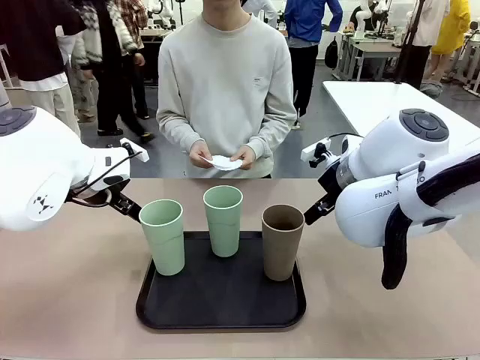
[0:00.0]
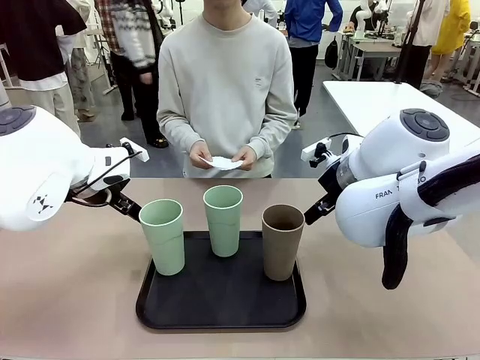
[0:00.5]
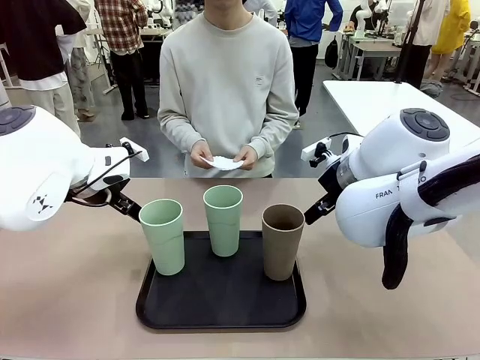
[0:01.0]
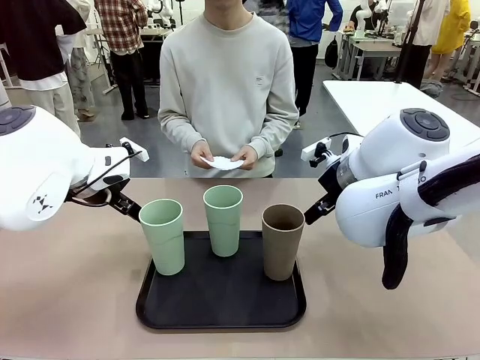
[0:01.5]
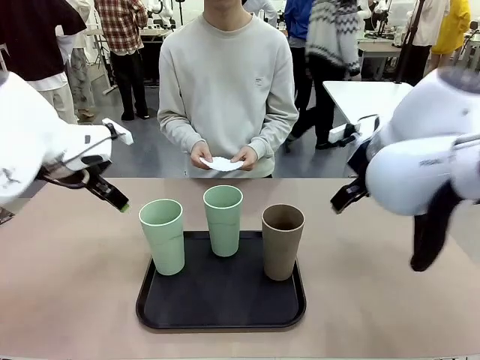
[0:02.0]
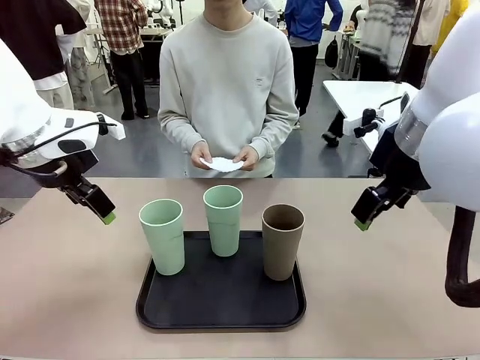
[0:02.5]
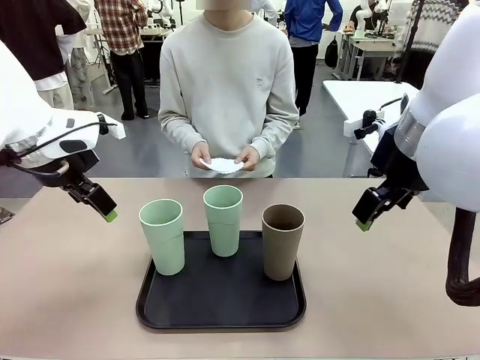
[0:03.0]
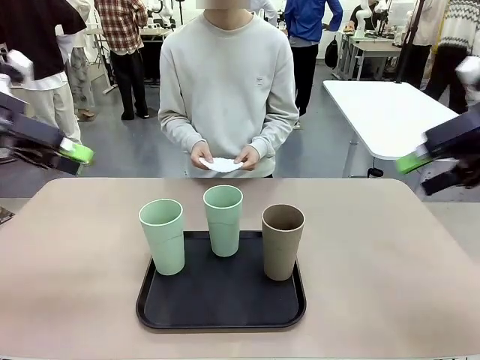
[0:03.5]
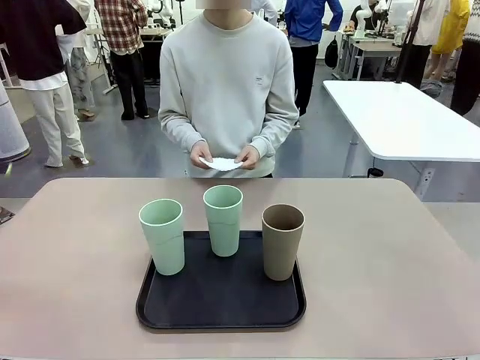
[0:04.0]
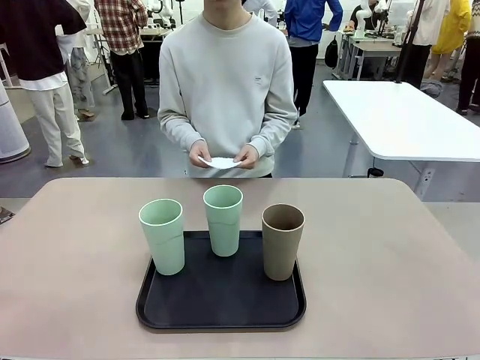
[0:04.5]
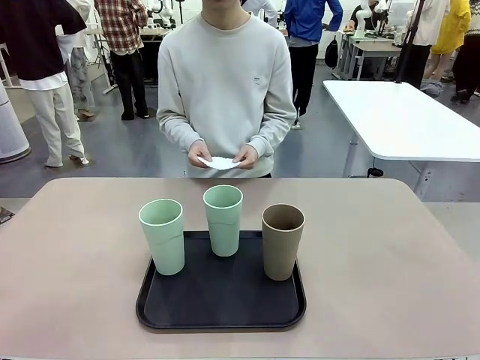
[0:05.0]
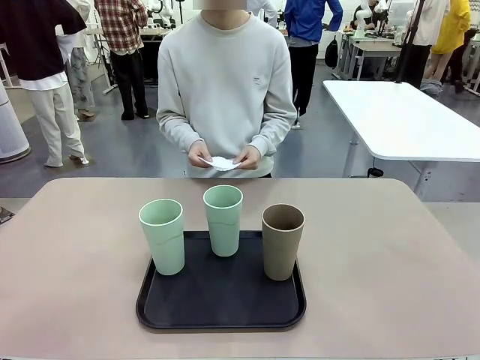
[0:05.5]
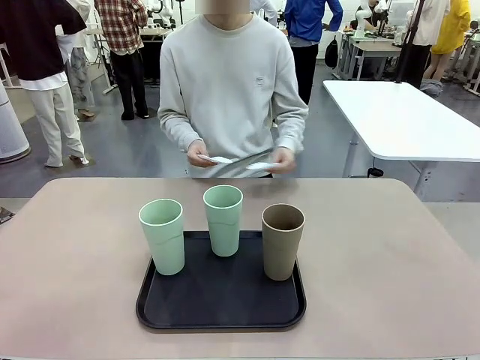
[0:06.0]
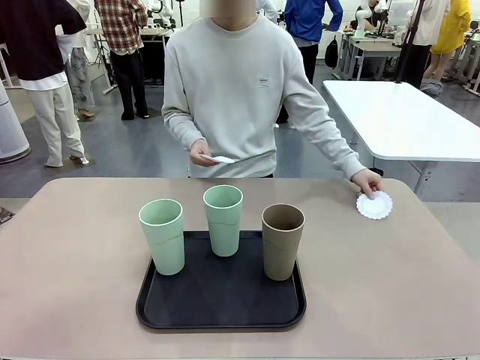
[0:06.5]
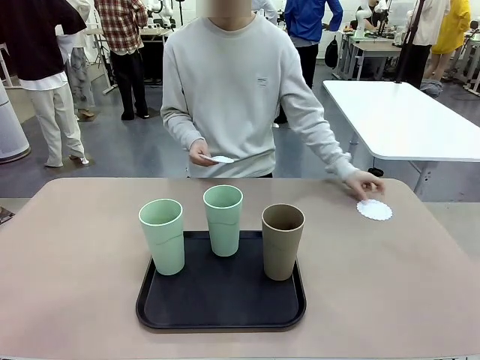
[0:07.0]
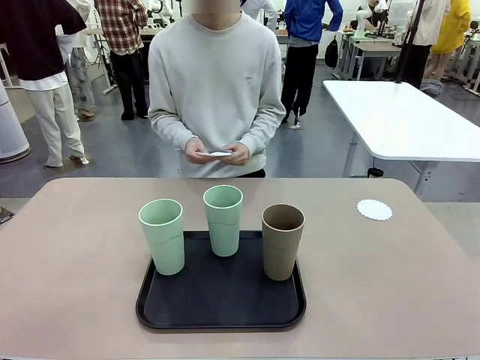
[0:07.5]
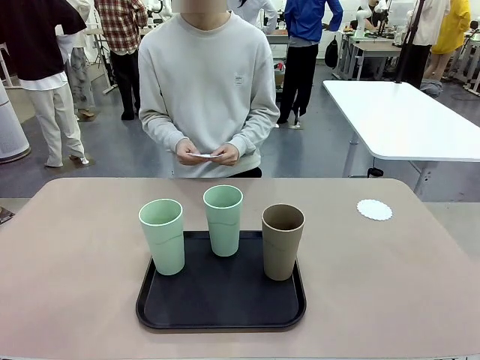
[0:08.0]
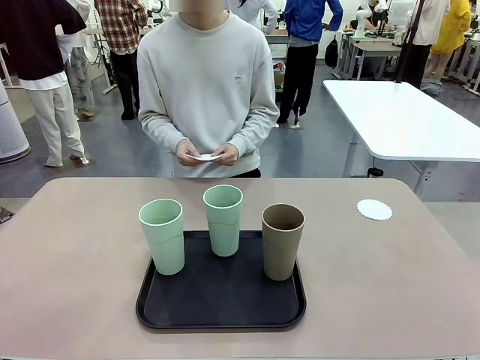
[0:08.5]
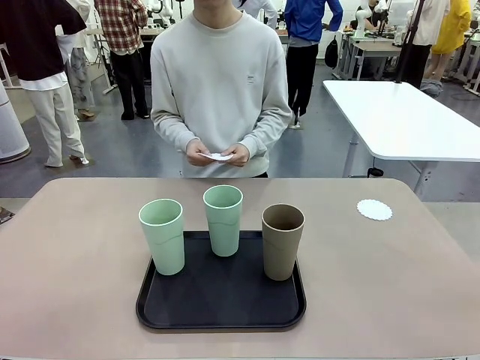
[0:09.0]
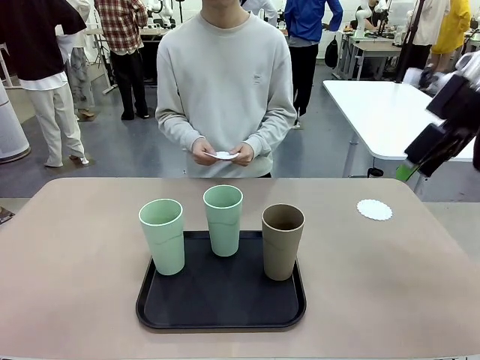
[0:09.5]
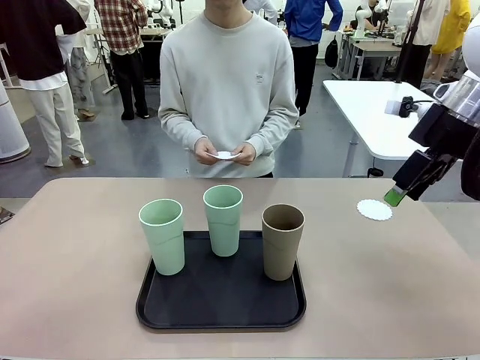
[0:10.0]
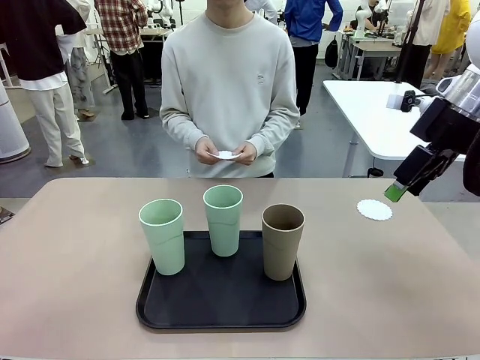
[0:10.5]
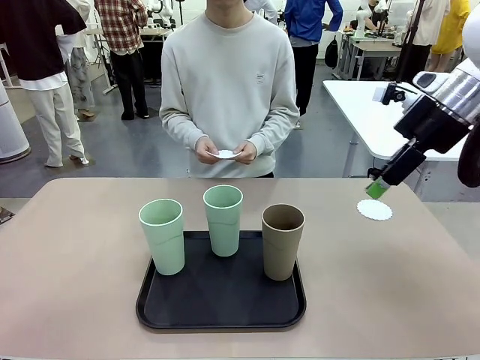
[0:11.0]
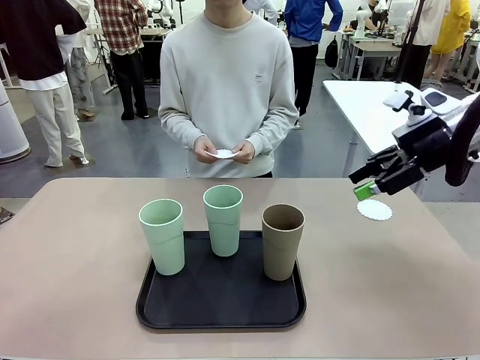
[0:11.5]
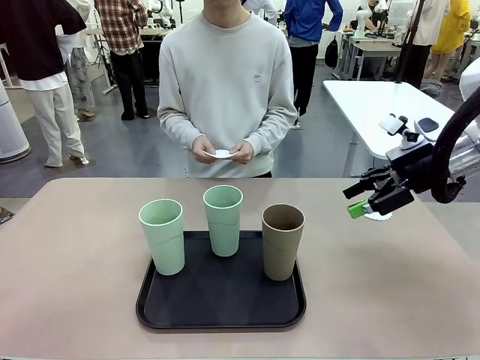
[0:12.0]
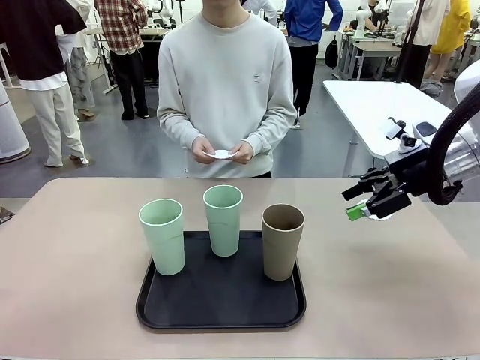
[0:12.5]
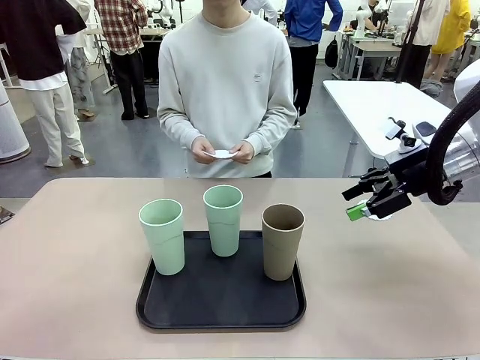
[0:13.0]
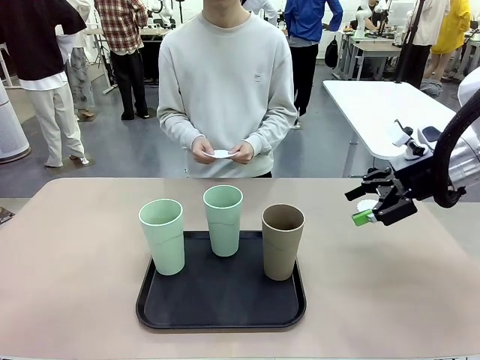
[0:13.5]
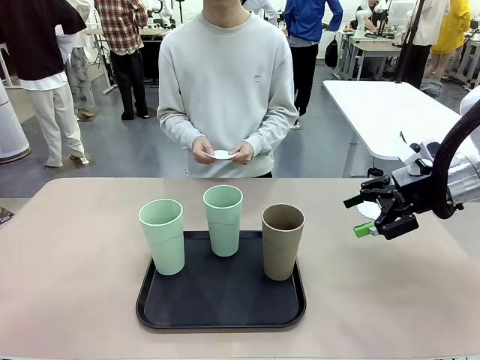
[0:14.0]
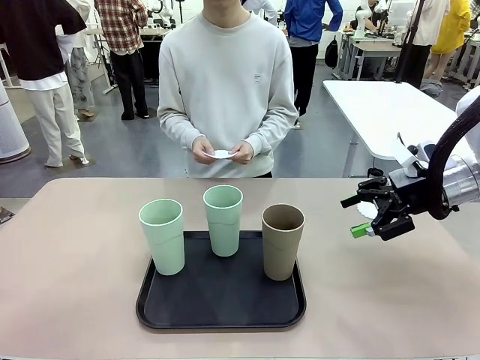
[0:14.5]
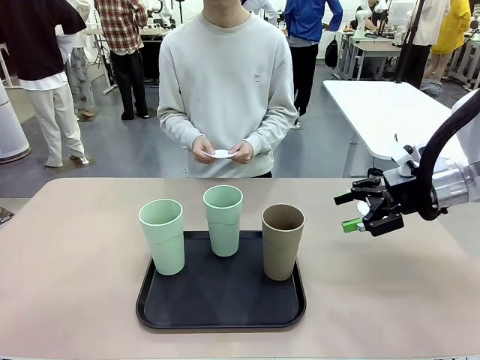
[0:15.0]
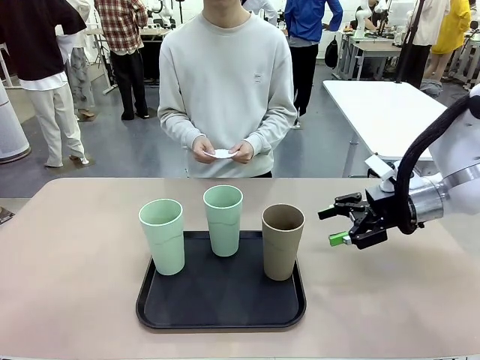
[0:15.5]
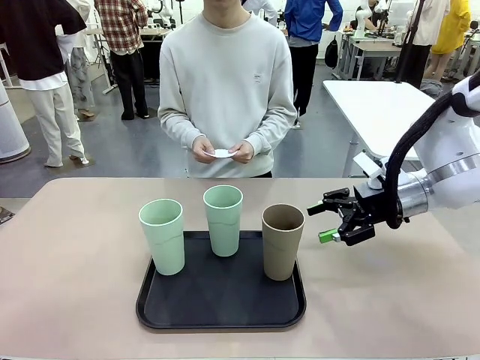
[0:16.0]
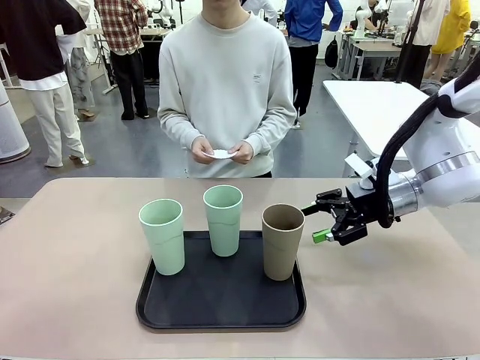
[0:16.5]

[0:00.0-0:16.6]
Task: Place coasters on the table and set cups on them.
Robot: Pick up one Reusable plastic cup and place it on a coaster set by the human.
Person: Place one coaster in any one of the three lower areas of the robot table (left, center, or right).

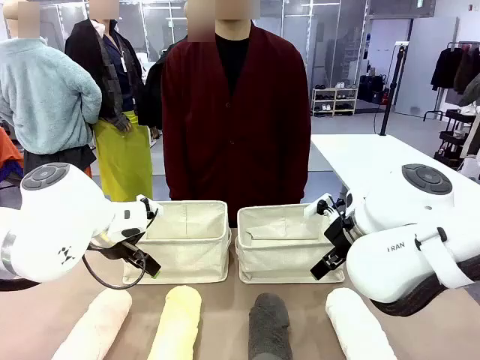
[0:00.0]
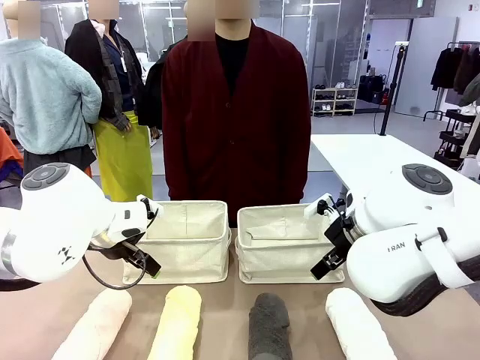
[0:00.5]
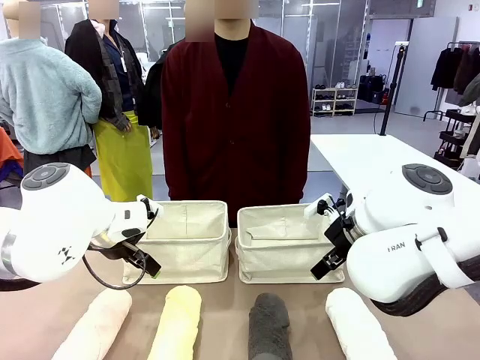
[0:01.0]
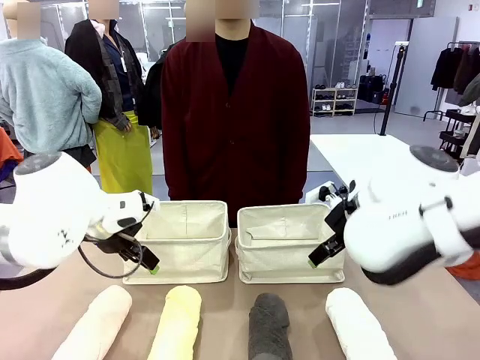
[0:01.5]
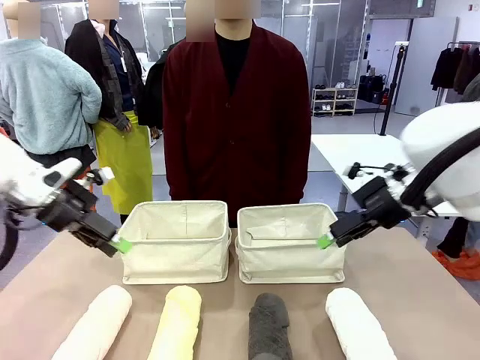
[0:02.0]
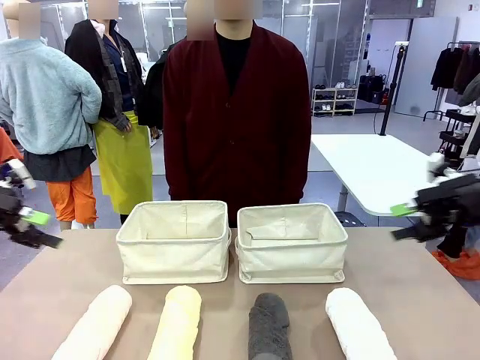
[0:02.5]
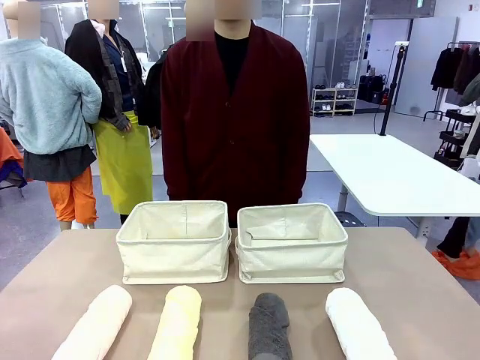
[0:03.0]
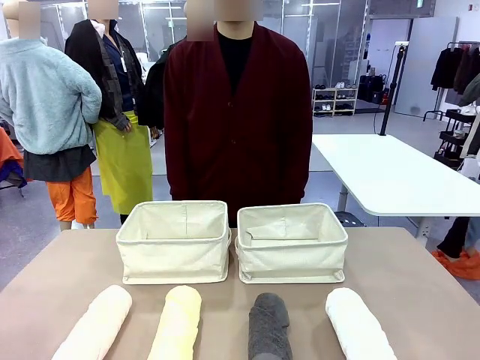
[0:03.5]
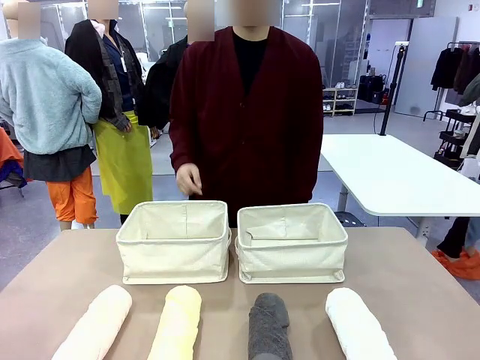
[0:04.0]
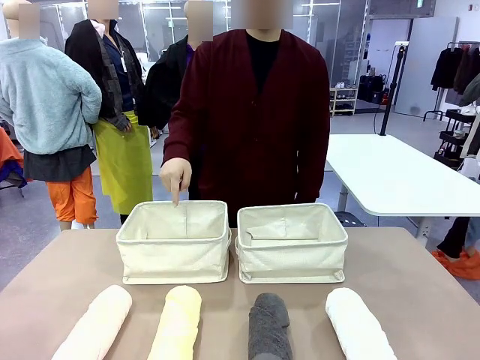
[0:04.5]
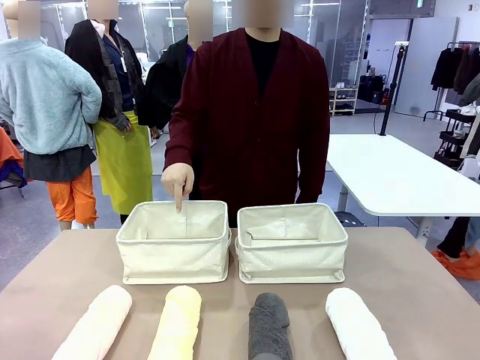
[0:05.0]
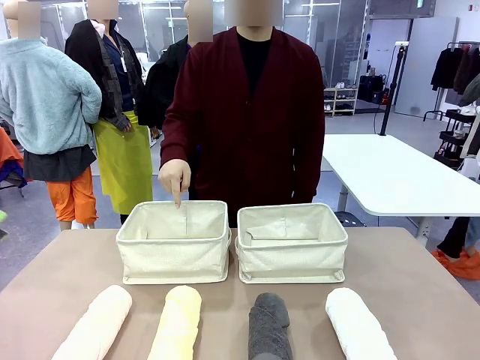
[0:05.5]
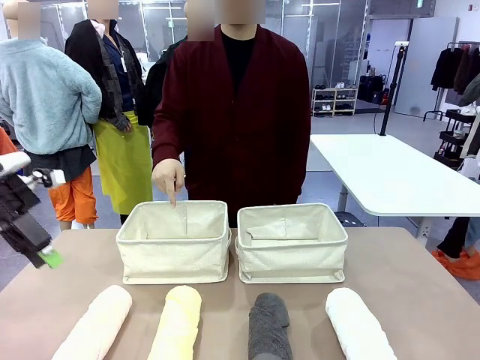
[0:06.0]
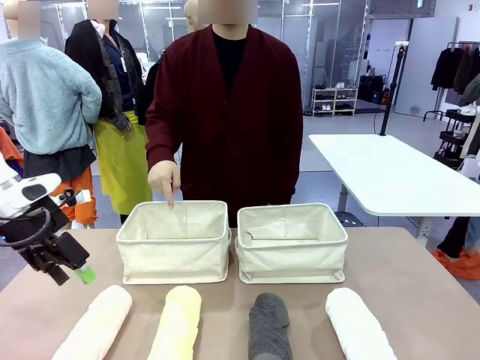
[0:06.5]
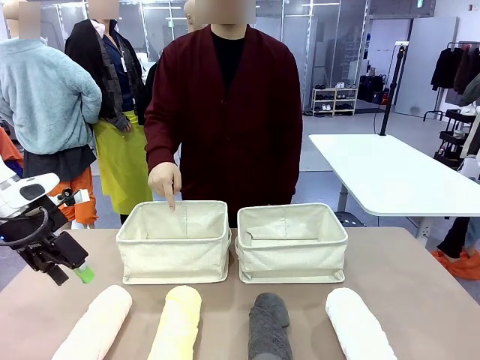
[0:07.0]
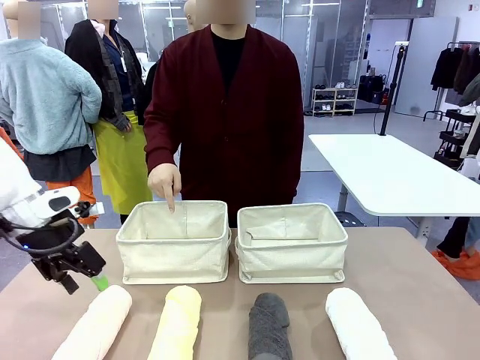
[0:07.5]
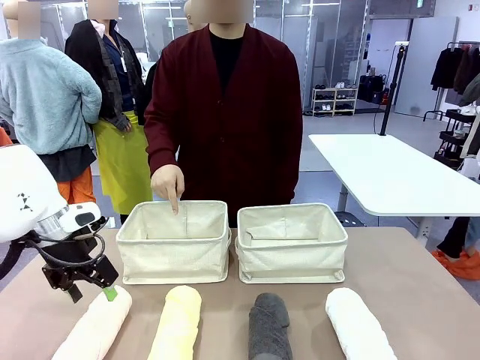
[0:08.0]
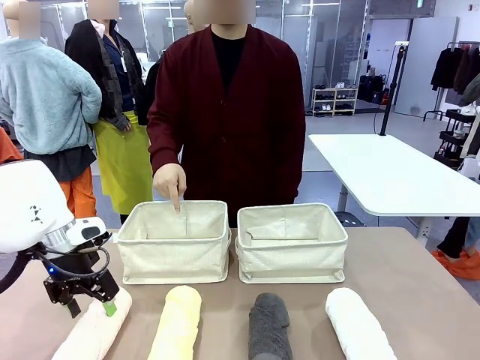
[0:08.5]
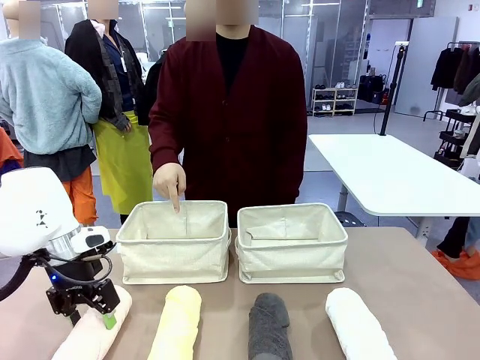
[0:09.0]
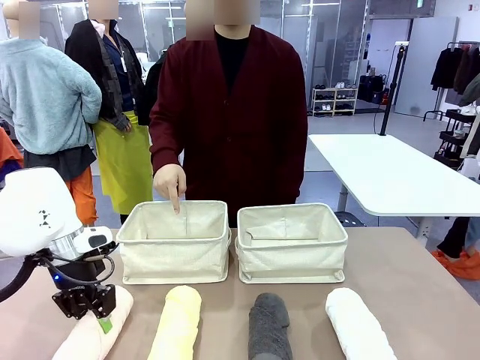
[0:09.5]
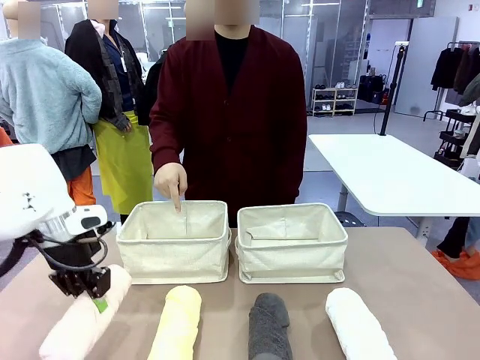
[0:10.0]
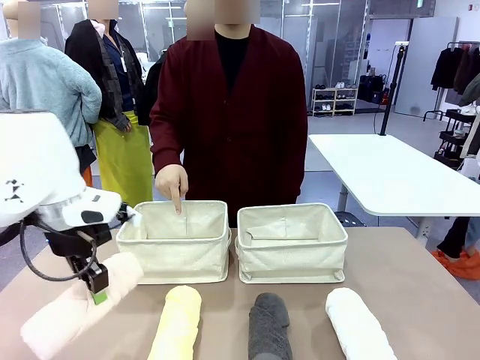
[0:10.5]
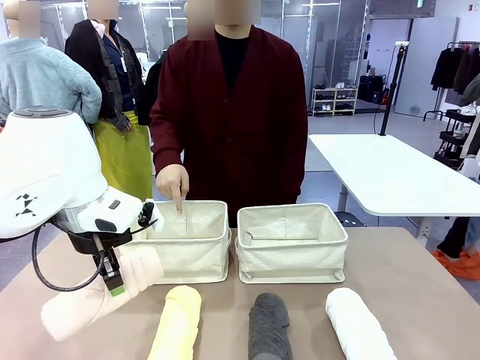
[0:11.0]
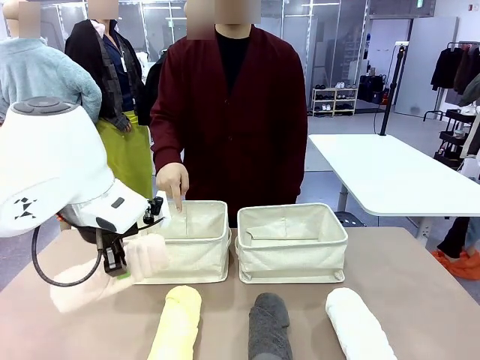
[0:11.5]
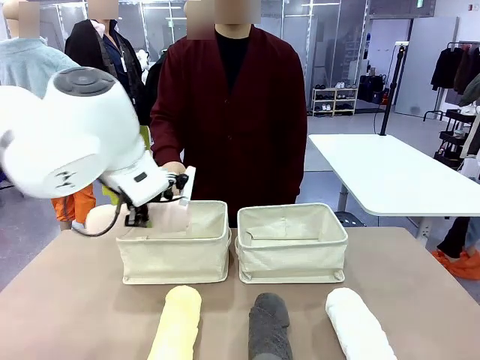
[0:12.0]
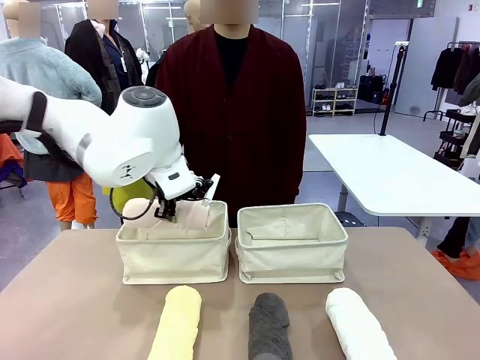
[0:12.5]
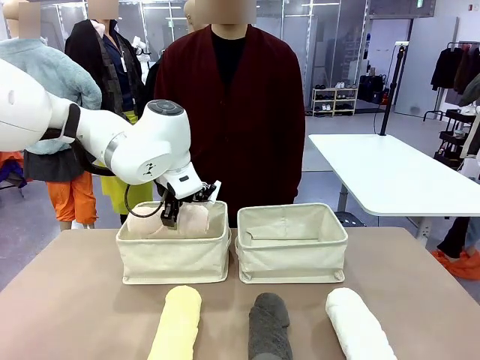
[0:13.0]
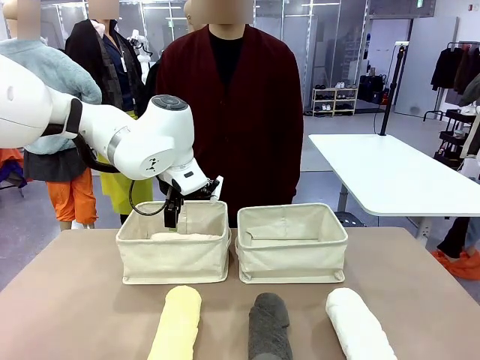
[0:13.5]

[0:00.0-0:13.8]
Task: Divide the towels into two baskets.
Robot: Pick up one hotel-folded towel and place it in the Fabric basket indicated by the person.
